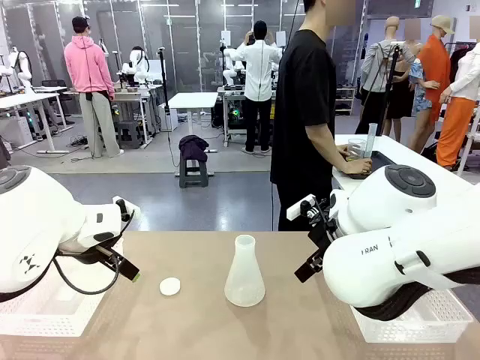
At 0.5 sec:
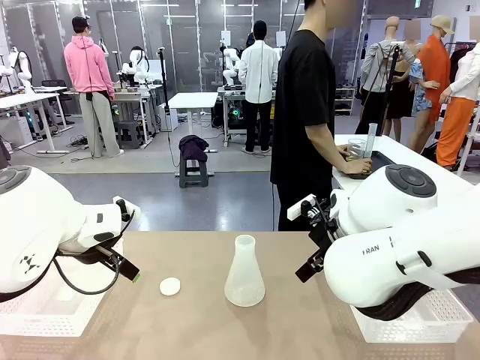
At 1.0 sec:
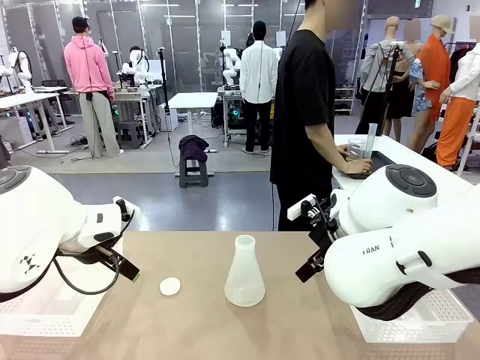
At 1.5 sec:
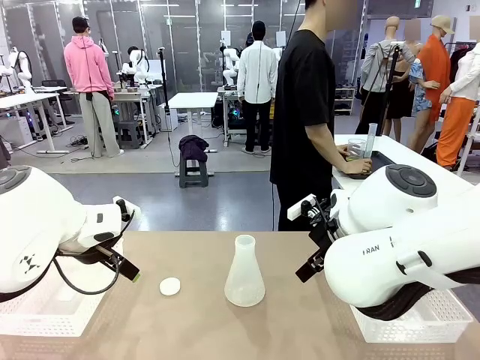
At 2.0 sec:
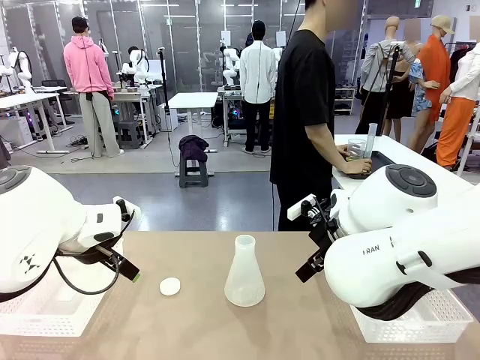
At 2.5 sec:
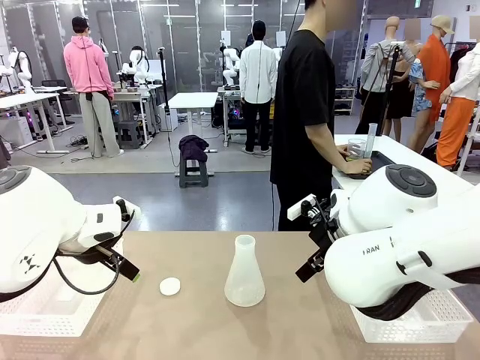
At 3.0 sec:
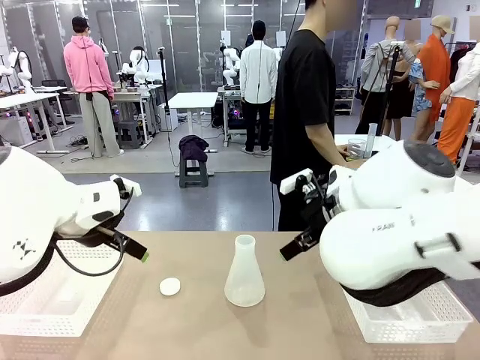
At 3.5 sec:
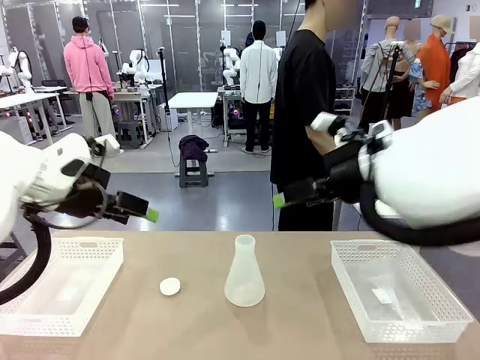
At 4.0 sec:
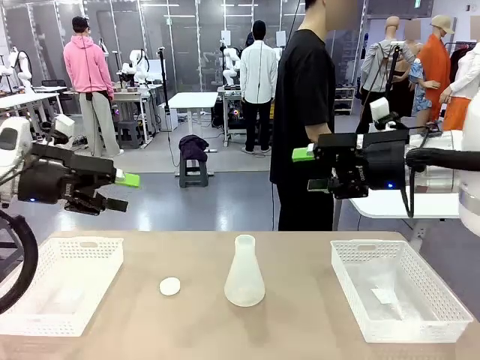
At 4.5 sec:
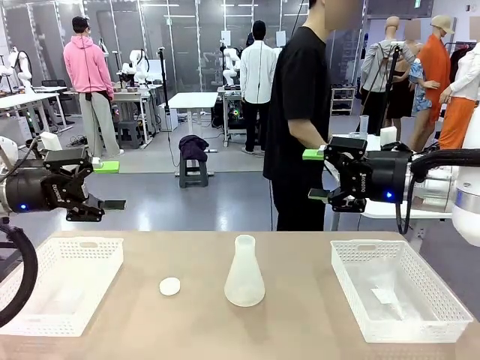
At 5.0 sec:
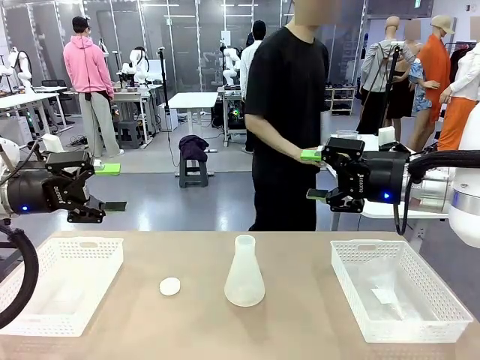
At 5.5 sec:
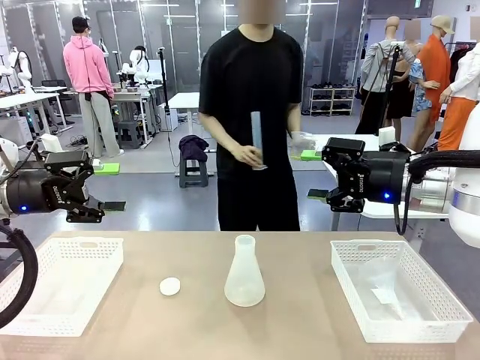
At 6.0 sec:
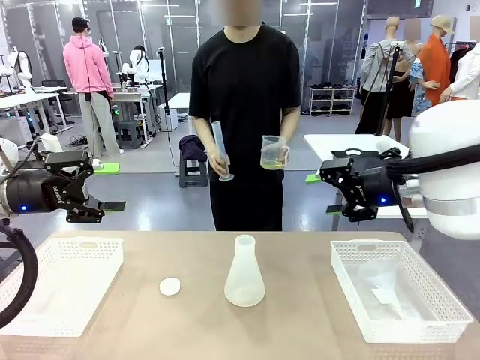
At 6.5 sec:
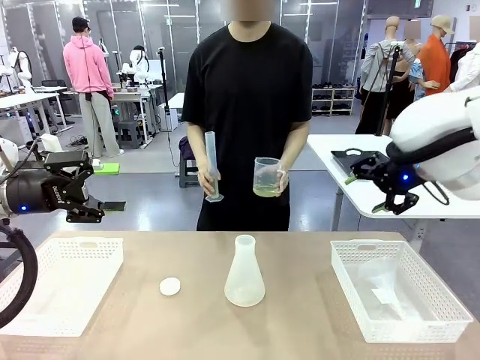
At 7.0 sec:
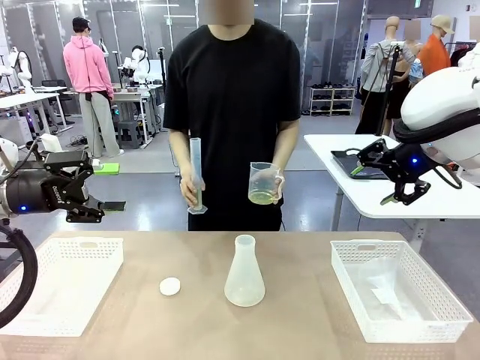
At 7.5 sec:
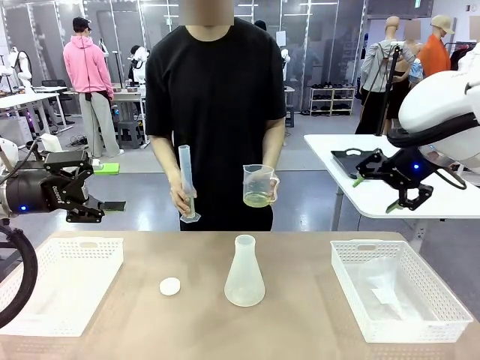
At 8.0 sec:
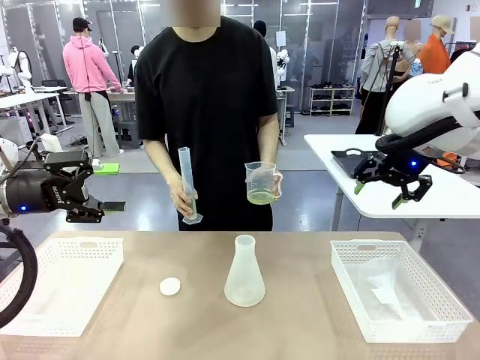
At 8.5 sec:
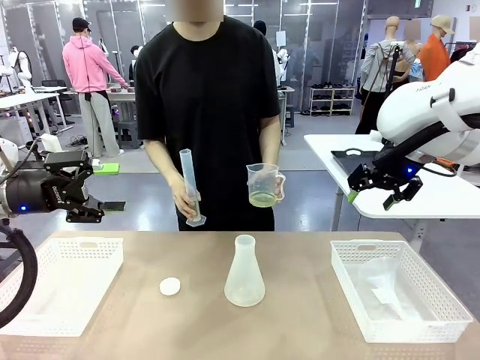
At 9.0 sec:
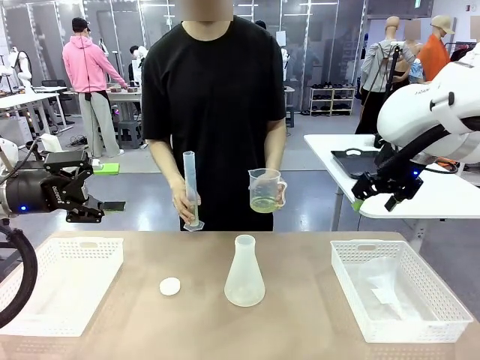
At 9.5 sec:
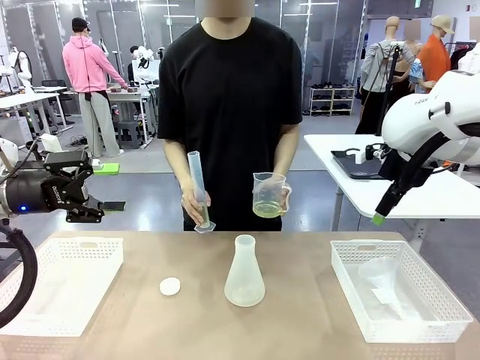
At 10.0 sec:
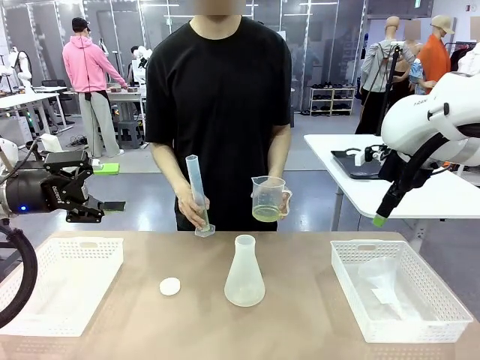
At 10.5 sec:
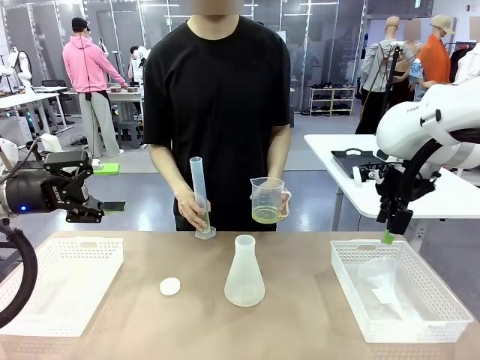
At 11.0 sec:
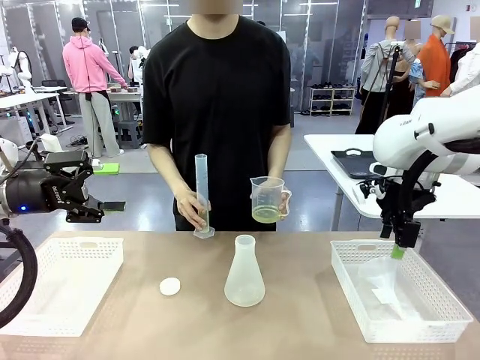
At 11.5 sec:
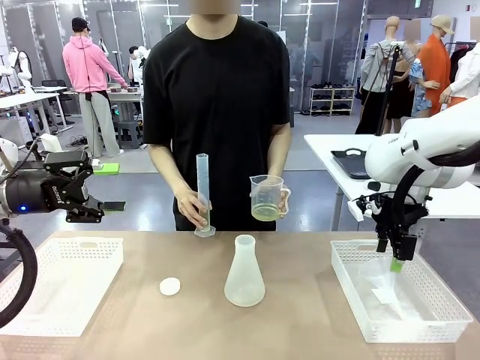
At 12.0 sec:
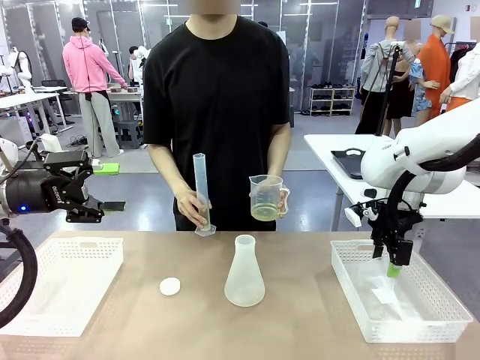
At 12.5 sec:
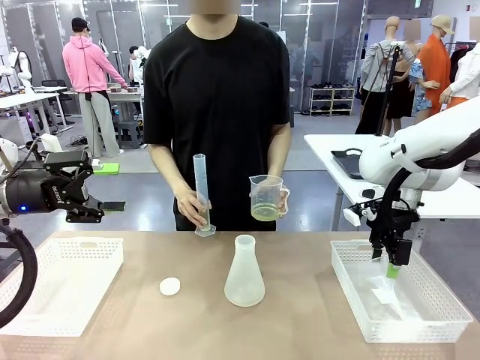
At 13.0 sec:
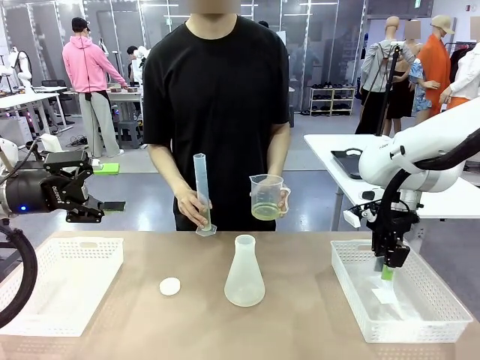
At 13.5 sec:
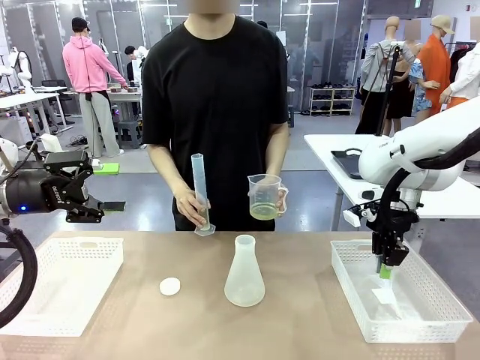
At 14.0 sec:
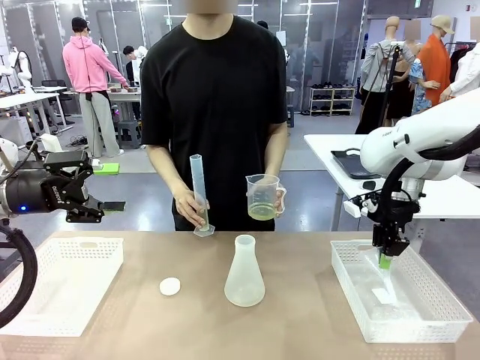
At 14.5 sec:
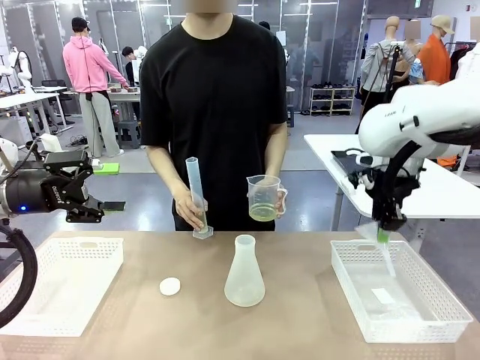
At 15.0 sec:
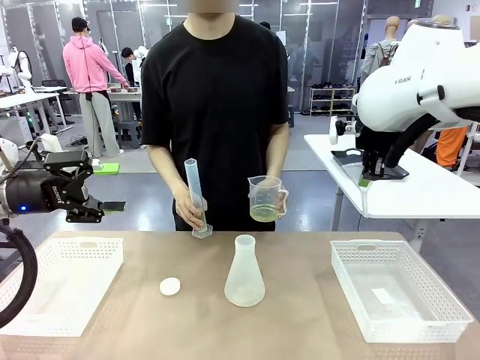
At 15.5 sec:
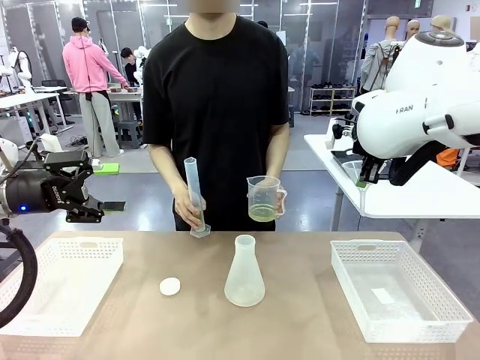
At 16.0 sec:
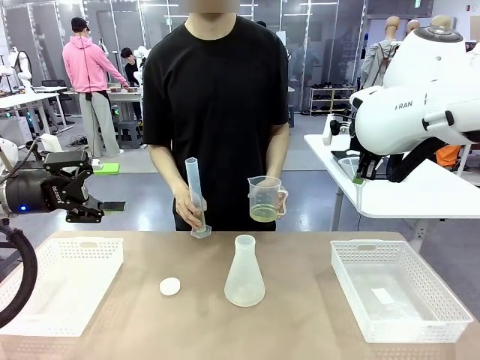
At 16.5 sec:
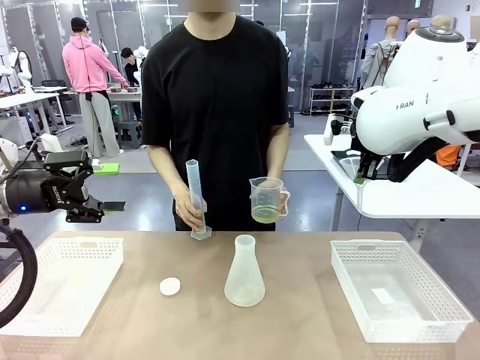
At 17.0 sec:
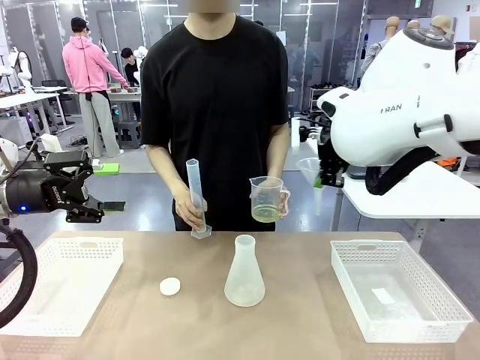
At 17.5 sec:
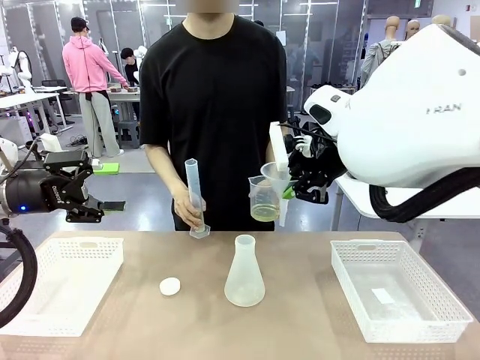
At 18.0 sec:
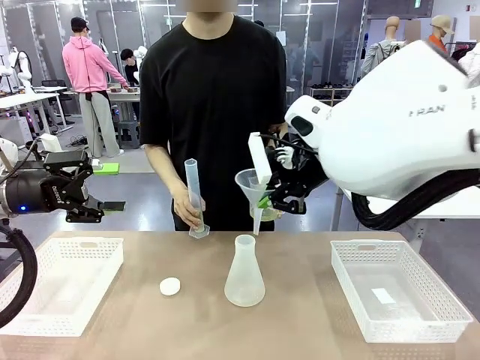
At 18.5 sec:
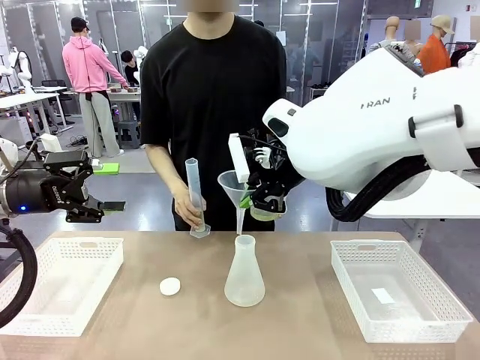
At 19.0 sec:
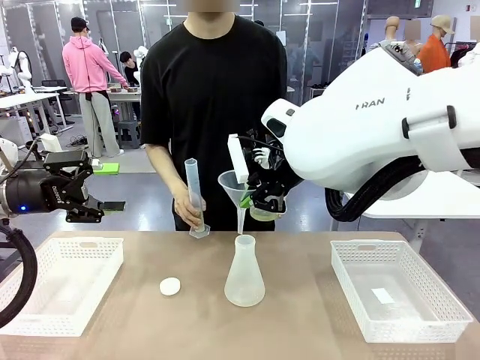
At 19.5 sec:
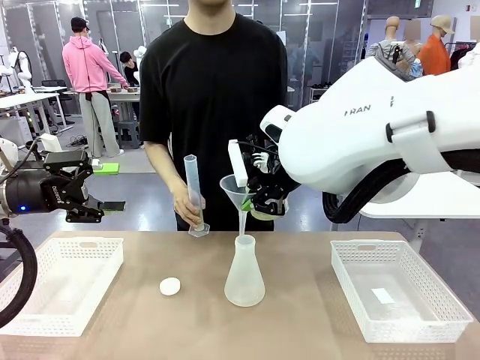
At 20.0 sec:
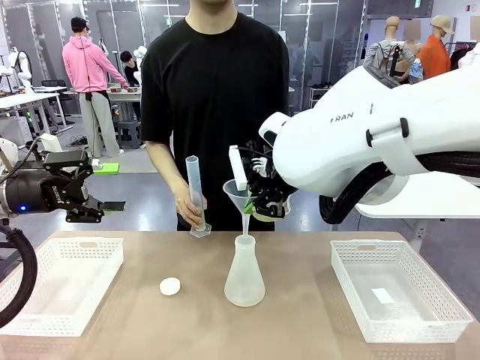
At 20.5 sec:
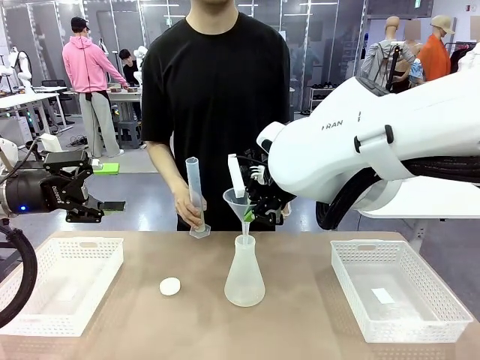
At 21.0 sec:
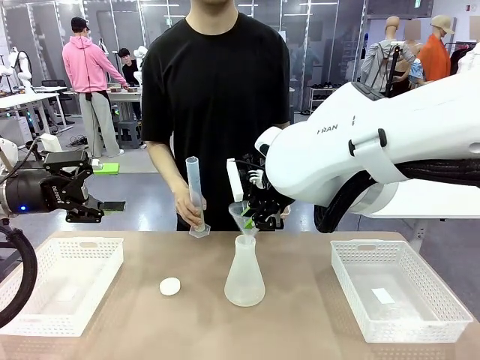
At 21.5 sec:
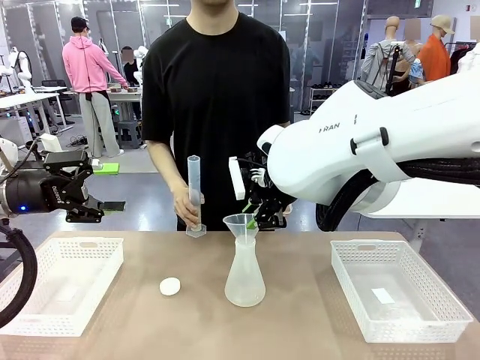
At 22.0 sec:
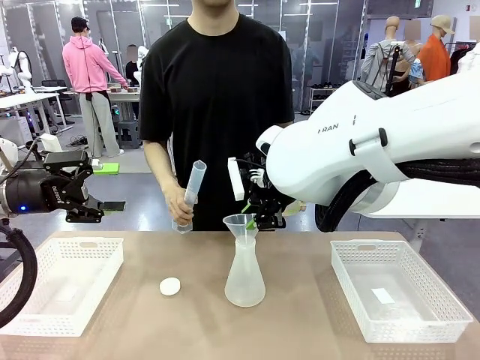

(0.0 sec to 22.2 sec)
Task: Prepare the solutions needed for the experiment.
Robot: Pick up the Plastic Funnel and insert it into the Big flask.
Person: Pick up the beaker and the cylinder and move to the middle of the robot table. Pour the solution from the beaker and the cylinder into the flask.
